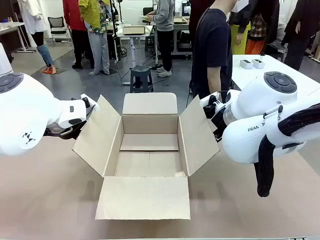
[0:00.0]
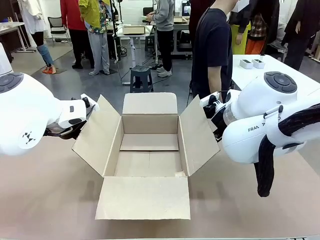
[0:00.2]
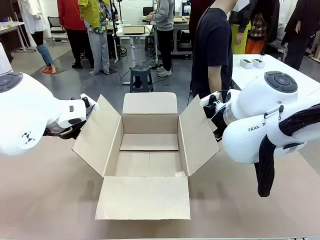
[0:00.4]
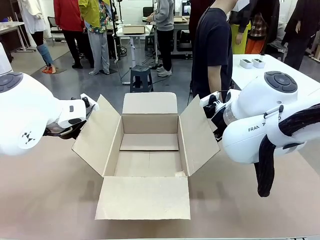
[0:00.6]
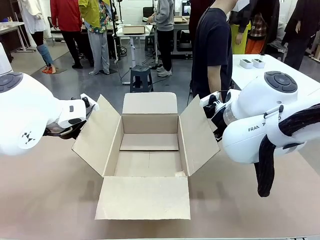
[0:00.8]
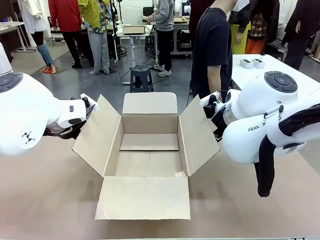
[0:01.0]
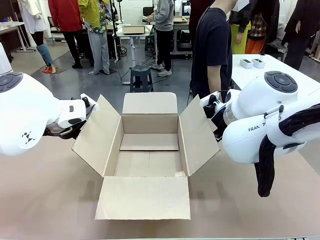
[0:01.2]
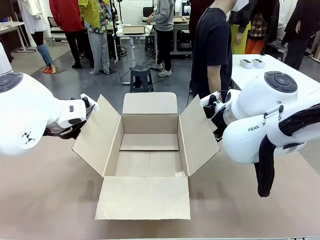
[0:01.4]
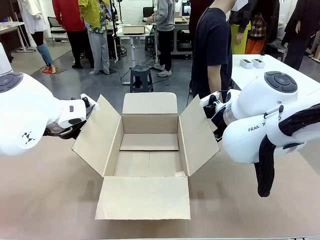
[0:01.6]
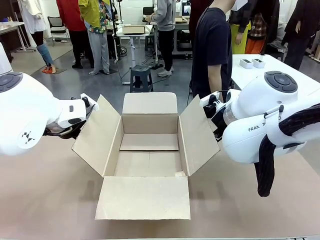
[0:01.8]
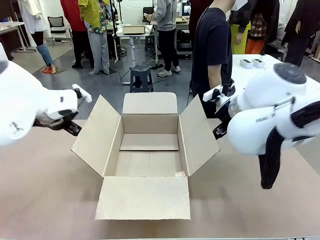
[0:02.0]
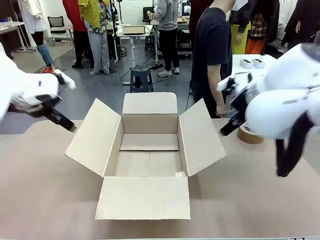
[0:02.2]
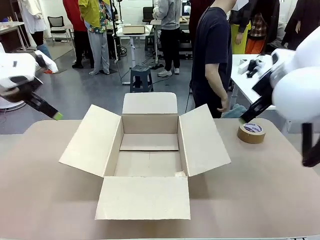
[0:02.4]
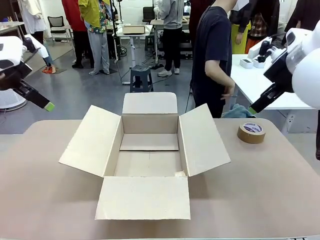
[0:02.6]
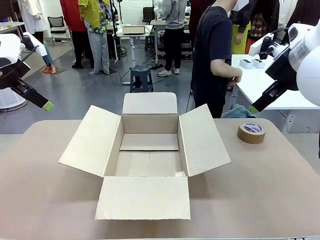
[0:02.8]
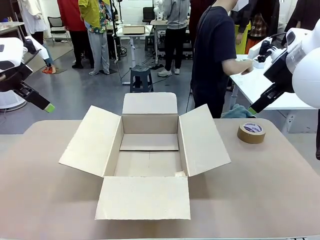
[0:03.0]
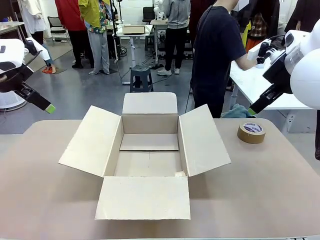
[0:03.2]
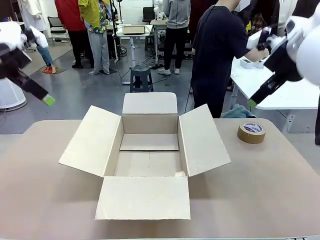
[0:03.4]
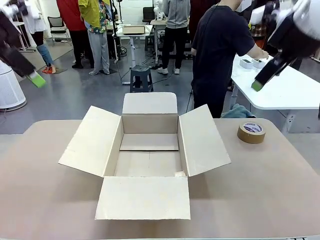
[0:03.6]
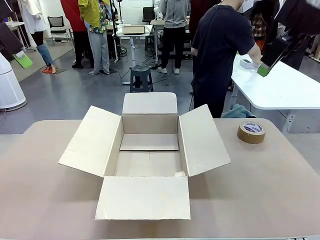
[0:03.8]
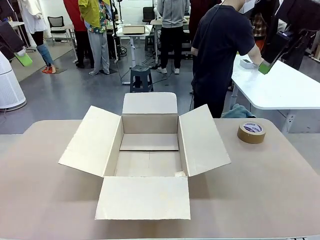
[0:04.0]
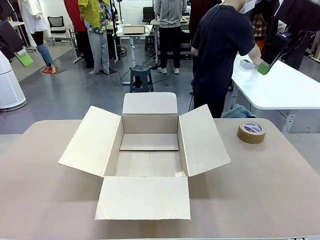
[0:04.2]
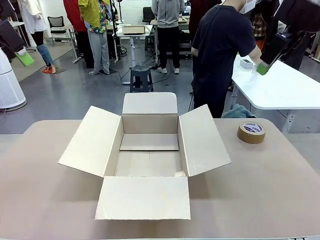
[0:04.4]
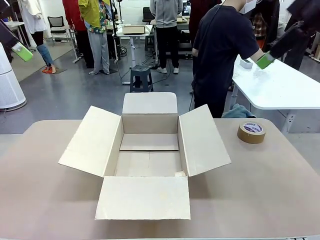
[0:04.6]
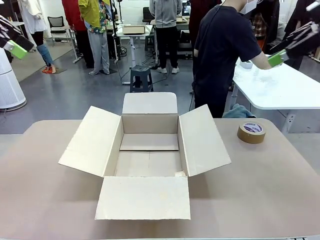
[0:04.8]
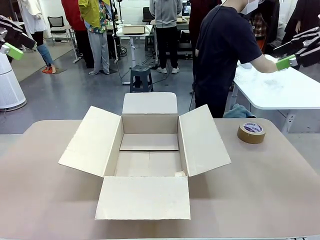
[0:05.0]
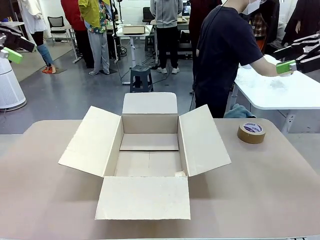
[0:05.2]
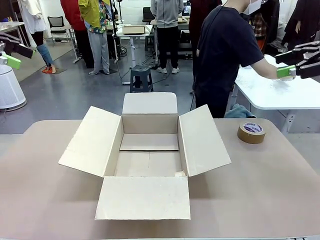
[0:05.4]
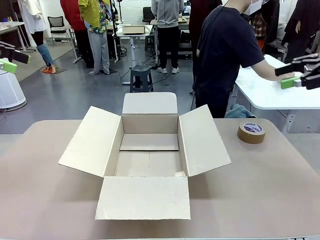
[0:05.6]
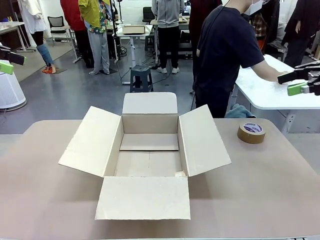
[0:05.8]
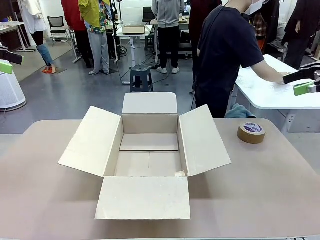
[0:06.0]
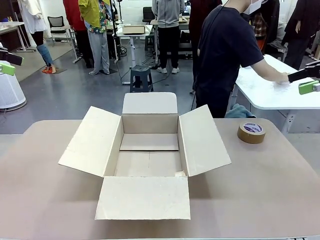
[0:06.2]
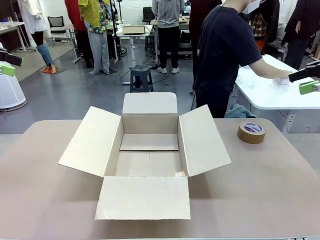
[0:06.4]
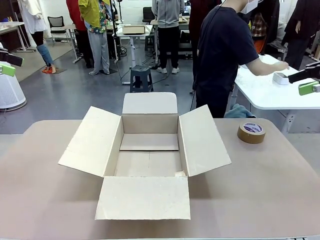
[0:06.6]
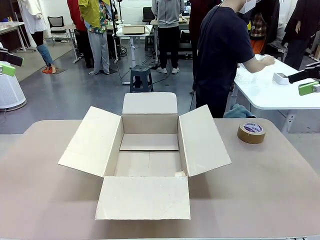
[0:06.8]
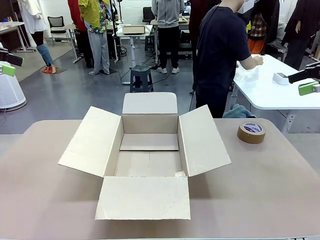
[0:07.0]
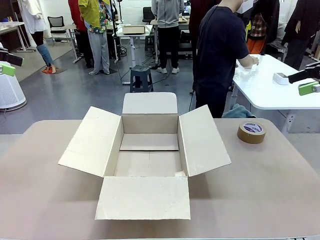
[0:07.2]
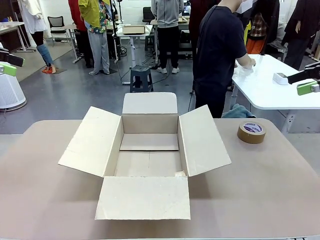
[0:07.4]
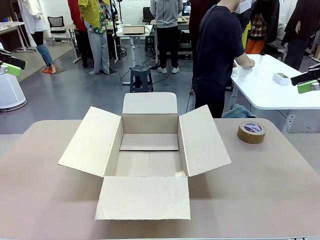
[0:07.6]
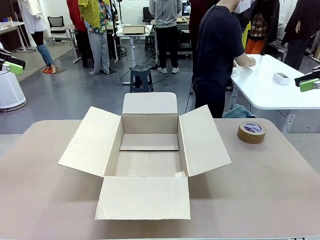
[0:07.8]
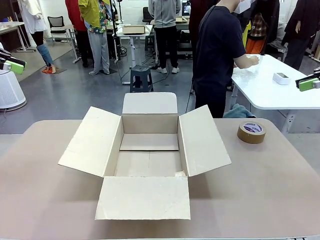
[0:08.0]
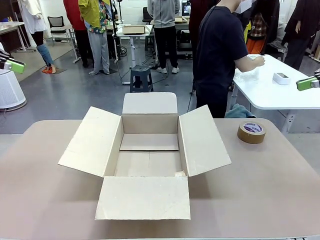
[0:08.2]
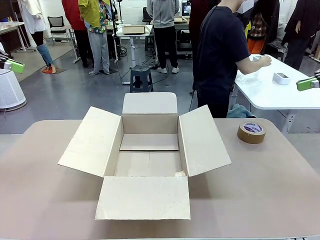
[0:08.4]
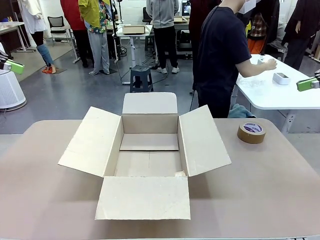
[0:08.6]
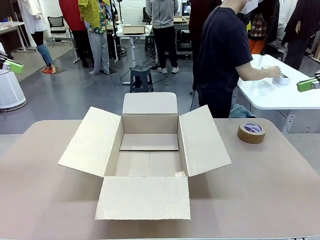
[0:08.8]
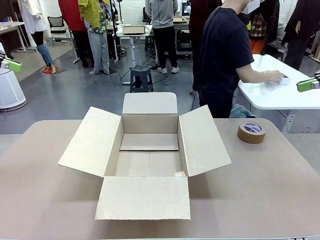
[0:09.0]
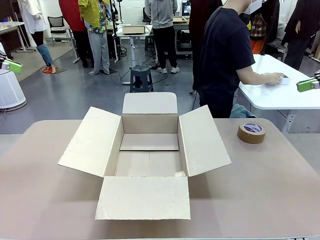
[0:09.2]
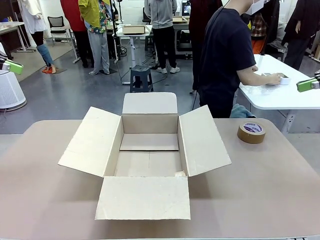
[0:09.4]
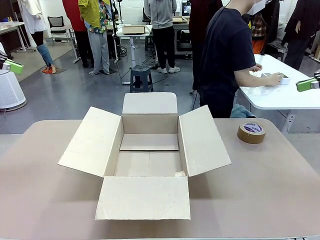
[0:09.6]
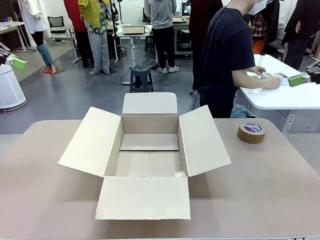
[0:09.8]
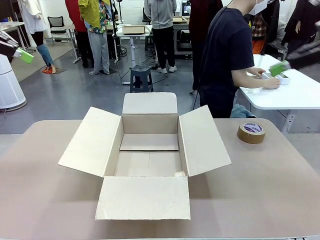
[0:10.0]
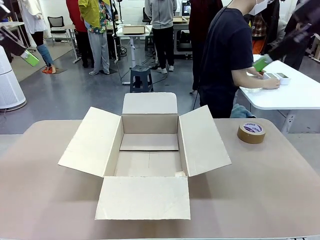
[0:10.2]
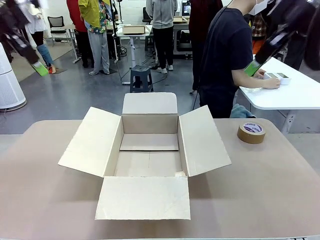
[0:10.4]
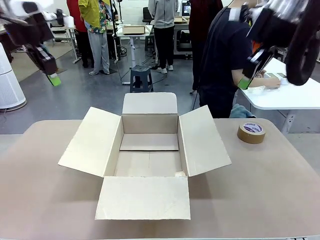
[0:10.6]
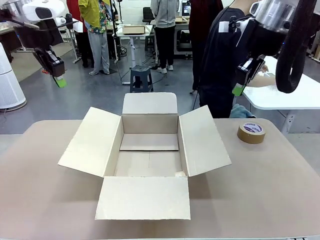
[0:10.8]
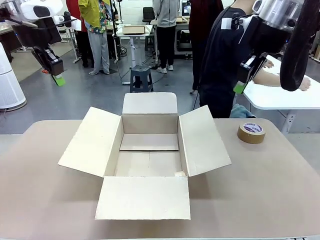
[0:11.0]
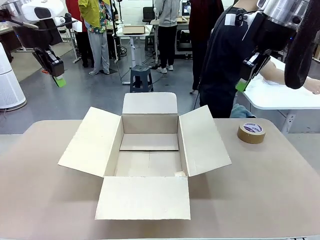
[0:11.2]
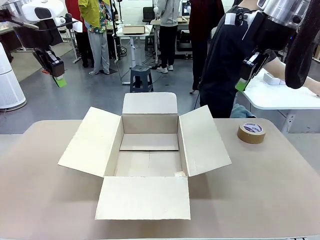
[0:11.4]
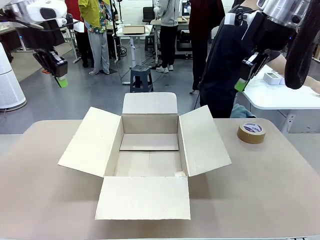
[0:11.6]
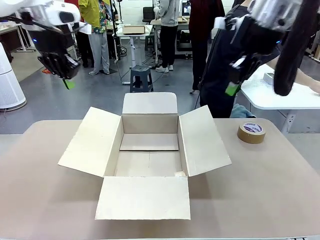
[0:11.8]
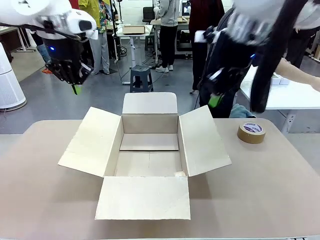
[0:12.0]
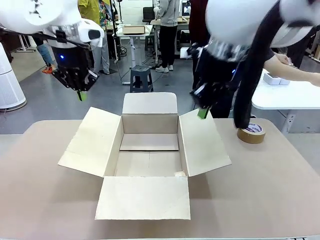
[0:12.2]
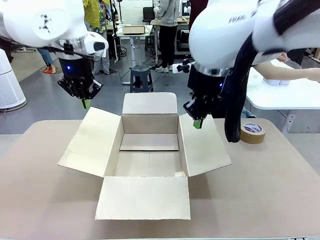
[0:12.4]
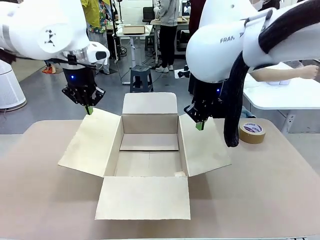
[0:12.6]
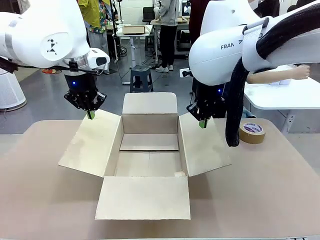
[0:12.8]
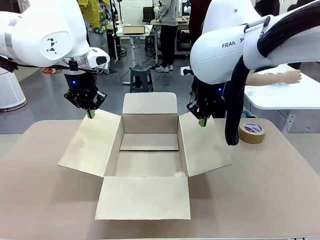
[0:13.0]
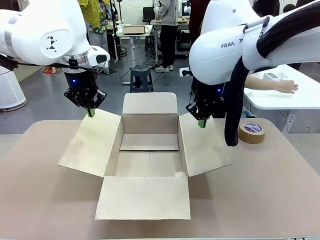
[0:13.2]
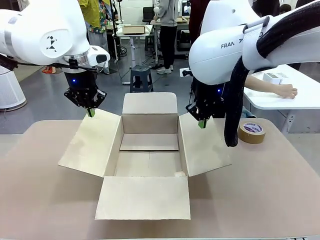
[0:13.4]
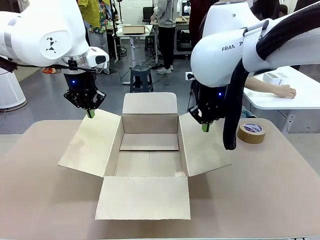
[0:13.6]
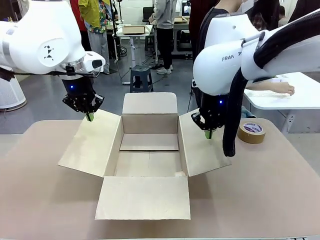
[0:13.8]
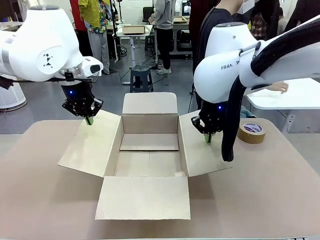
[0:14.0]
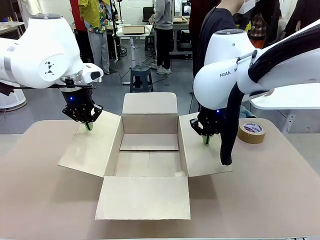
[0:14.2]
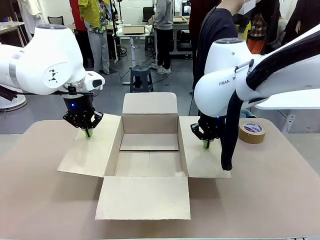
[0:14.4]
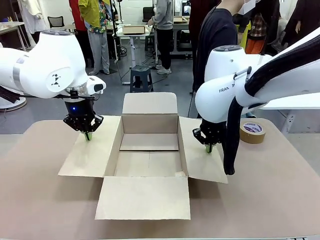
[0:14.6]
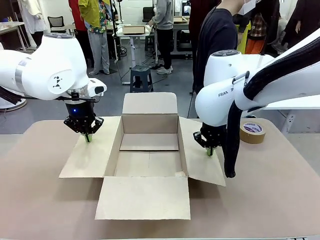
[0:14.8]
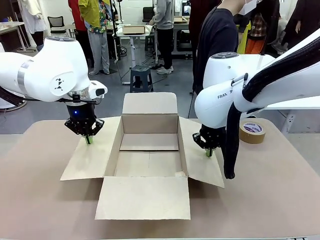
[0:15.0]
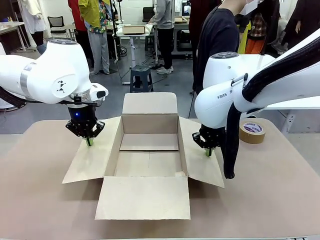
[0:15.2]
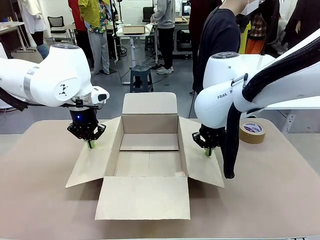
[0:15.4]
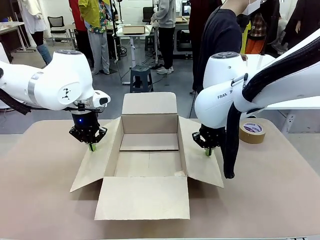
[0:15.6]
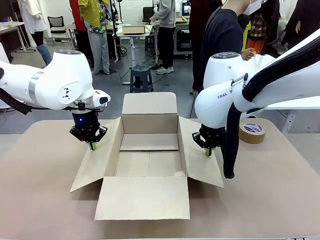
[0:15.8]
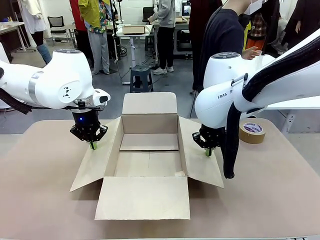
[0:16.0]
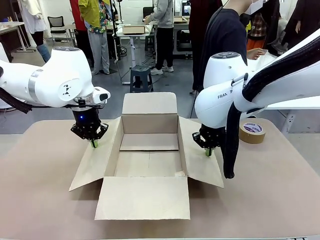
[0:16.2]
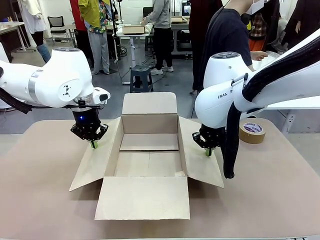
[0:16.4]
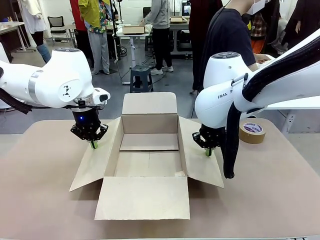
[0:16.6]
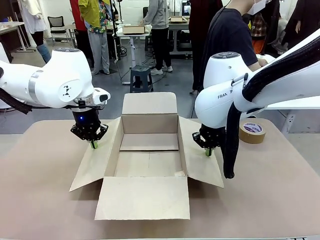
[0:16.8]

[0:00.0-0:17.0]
Task: Wrap the clocks to prevent damage.
Robot: Open the side flaps of the Package Box.
Person: Wrap the two Digital clocks with Bubble Wrap.
